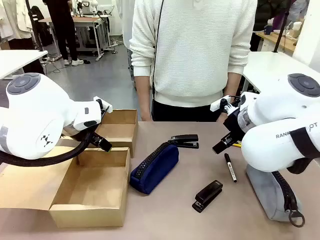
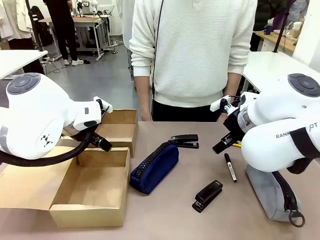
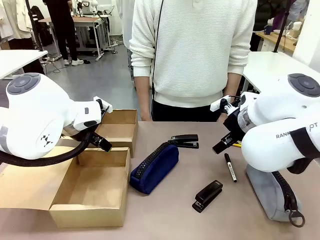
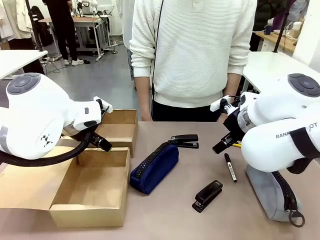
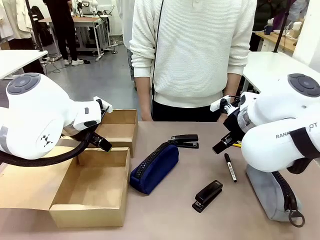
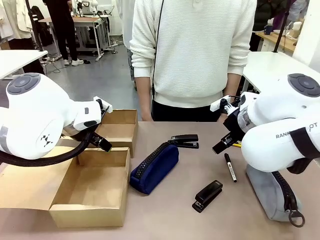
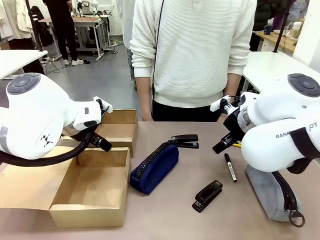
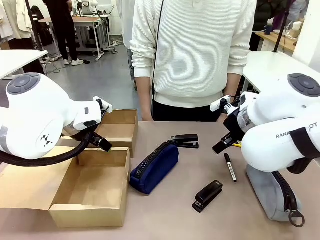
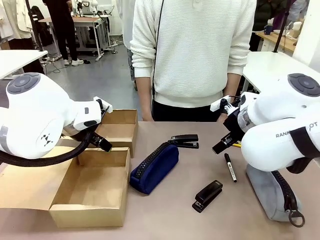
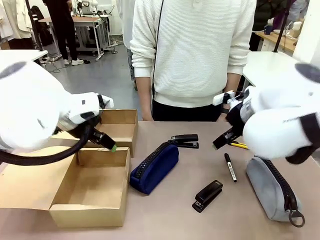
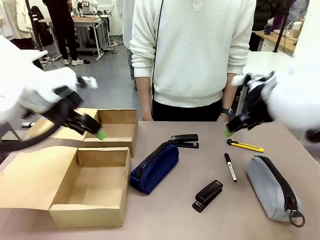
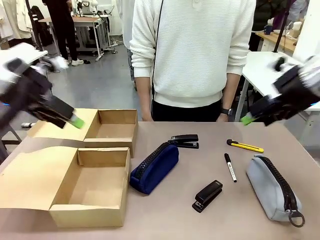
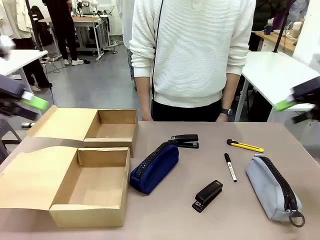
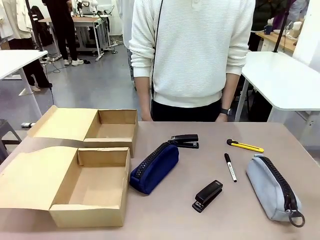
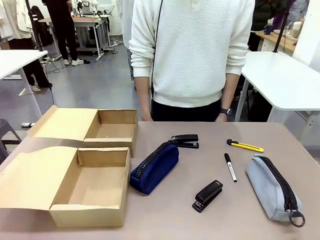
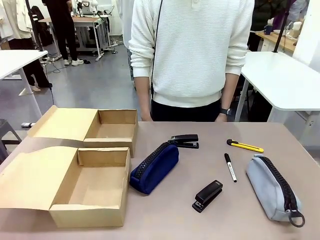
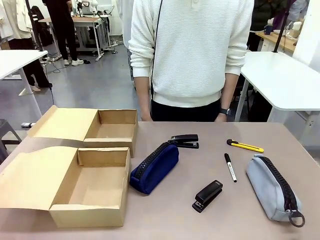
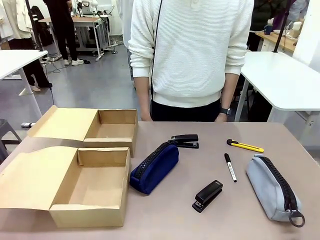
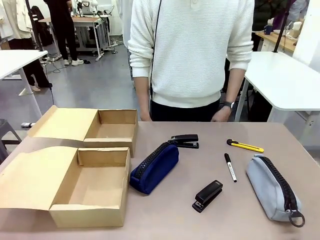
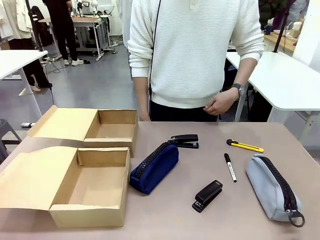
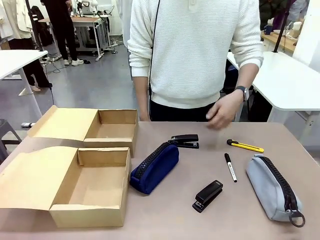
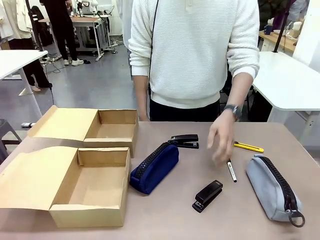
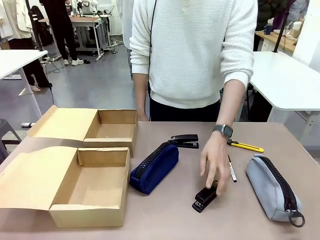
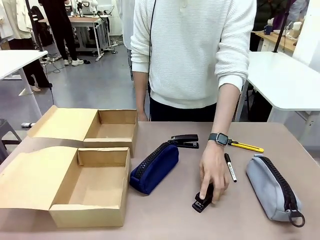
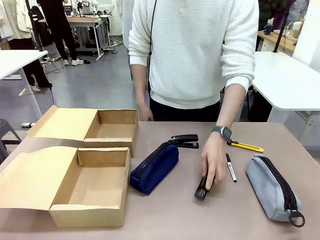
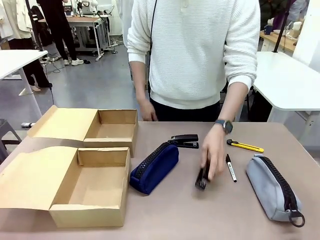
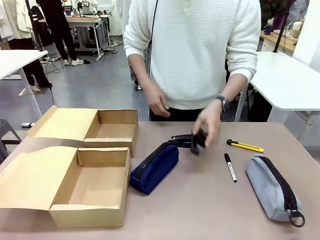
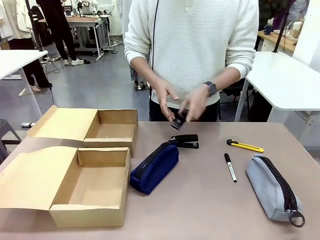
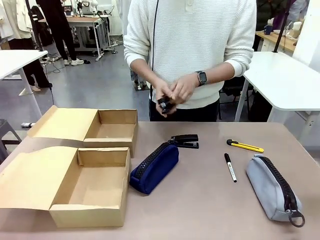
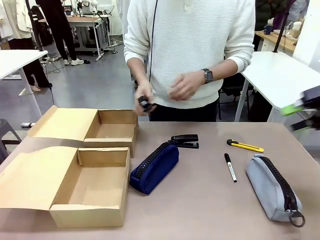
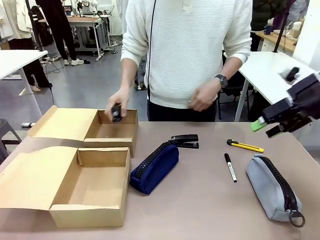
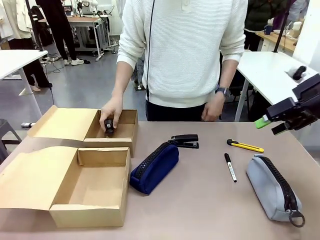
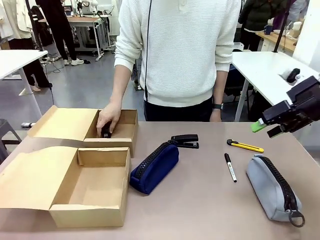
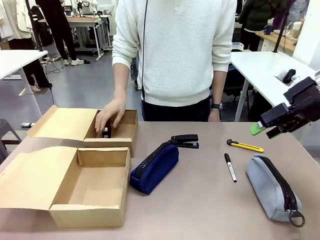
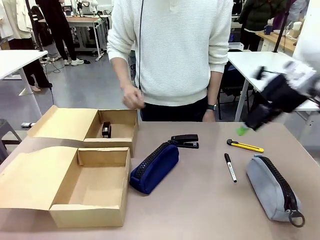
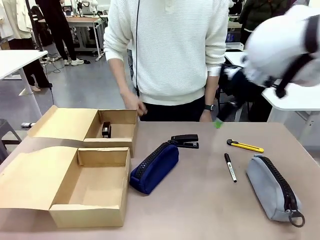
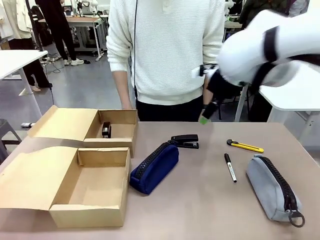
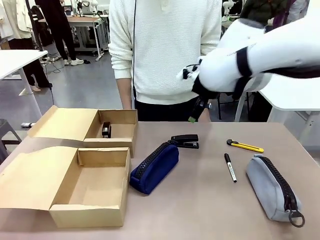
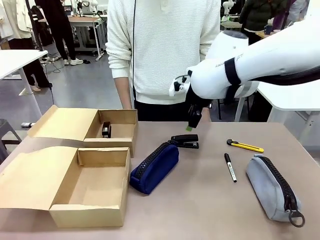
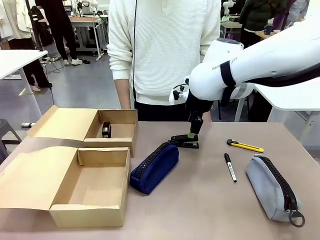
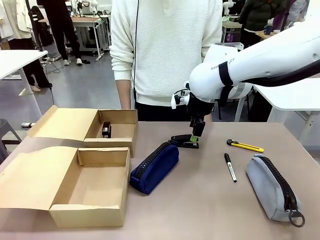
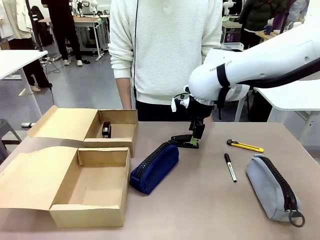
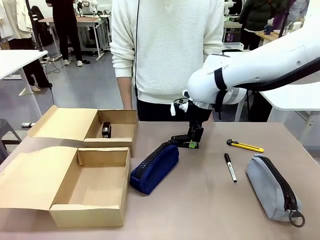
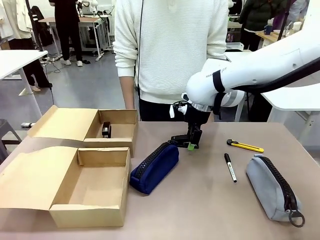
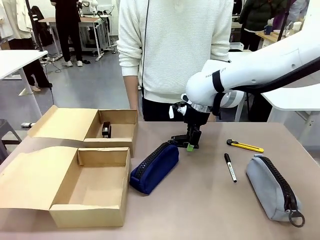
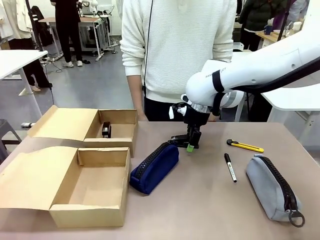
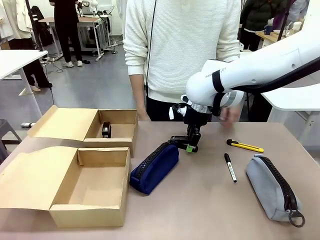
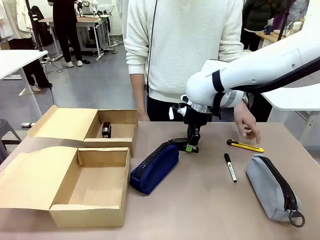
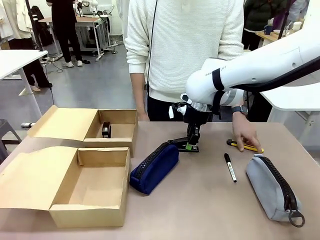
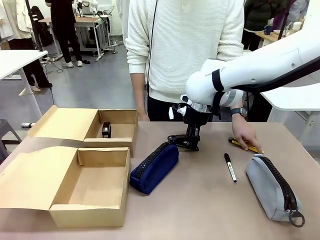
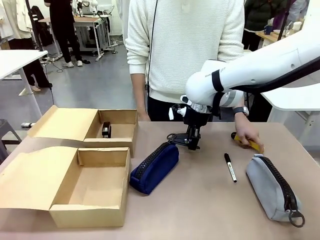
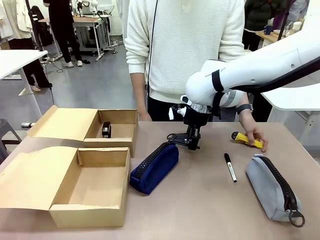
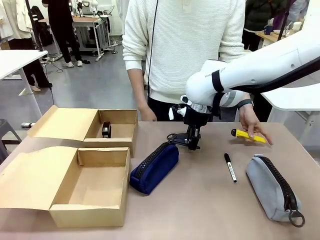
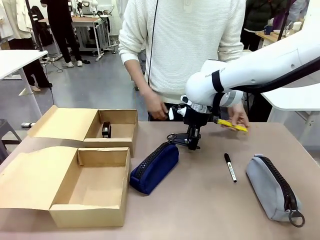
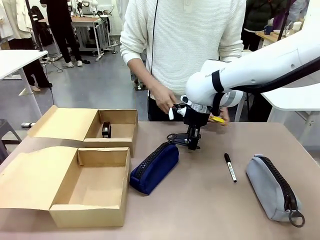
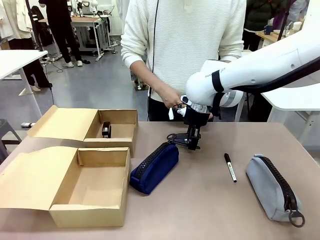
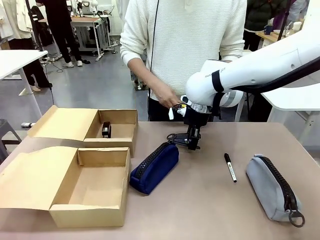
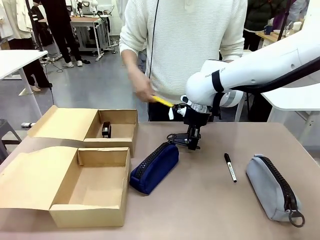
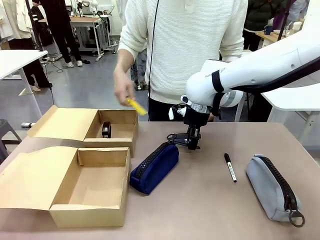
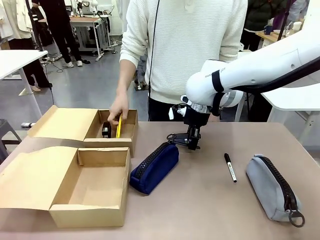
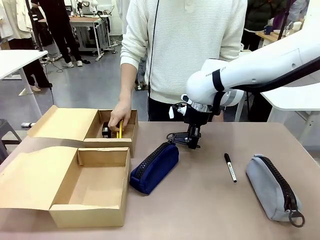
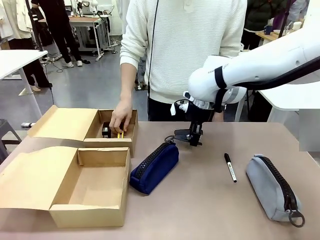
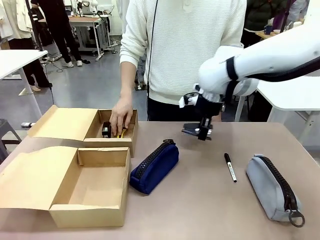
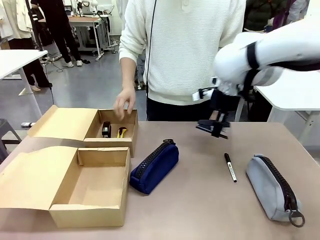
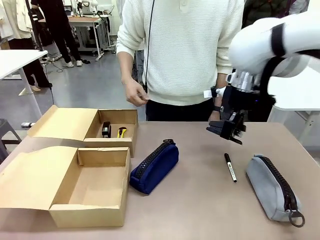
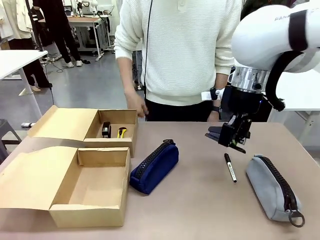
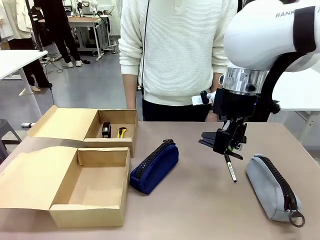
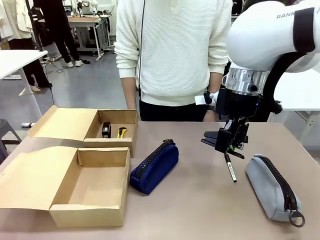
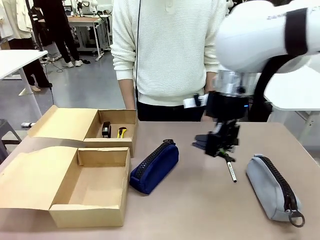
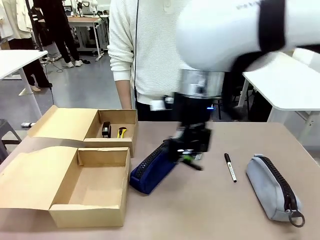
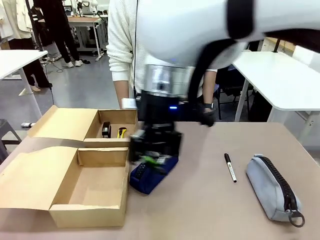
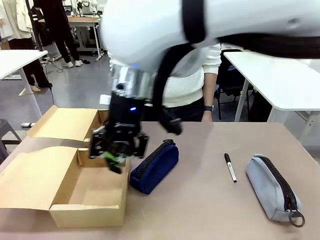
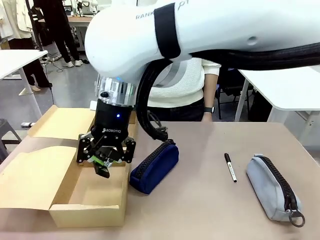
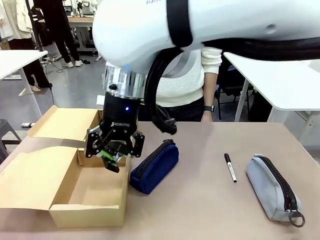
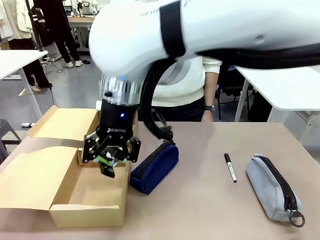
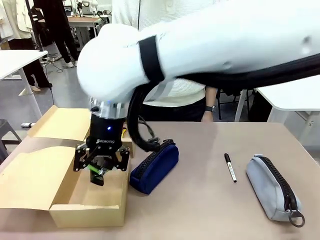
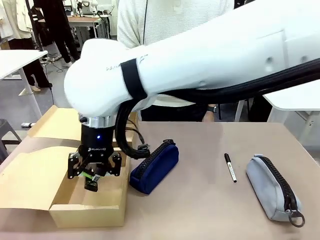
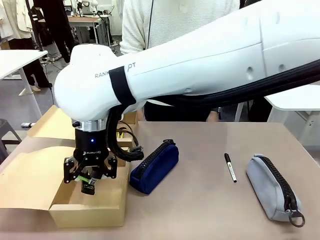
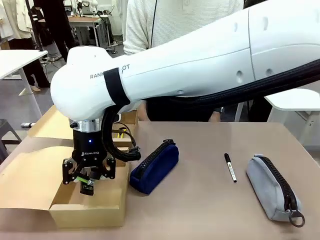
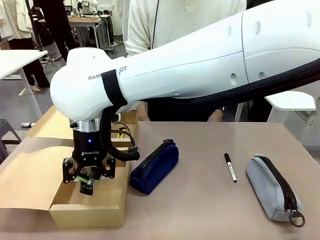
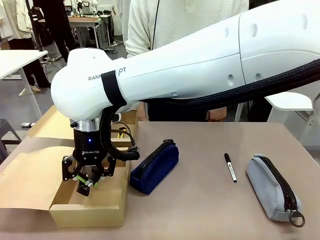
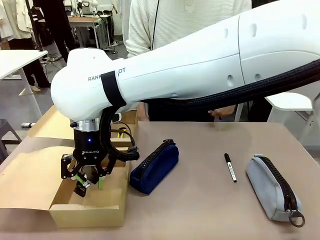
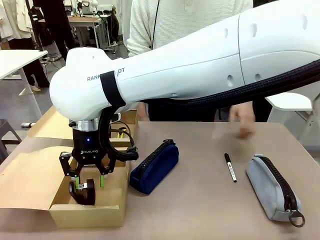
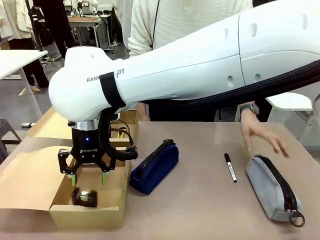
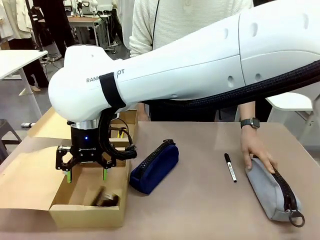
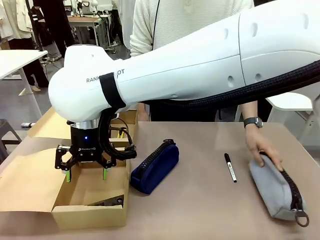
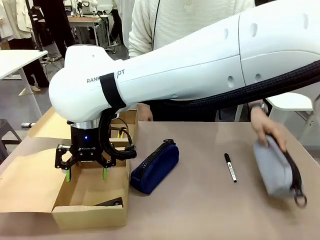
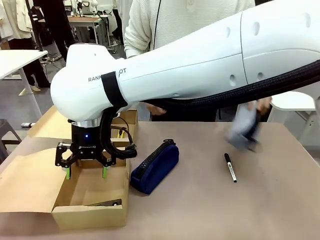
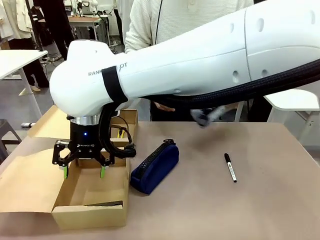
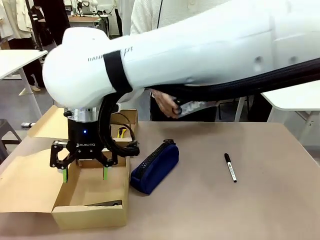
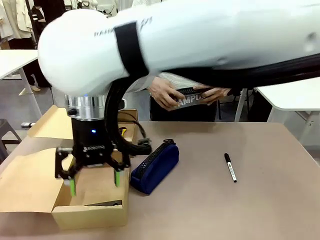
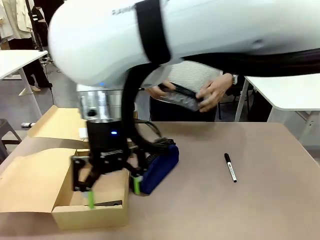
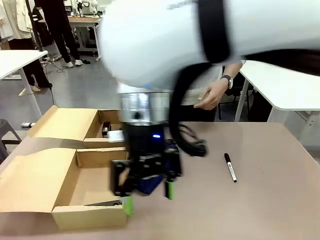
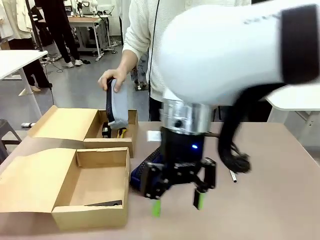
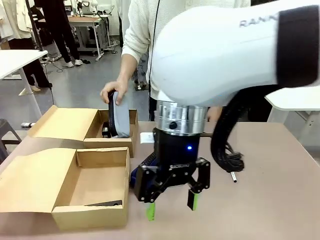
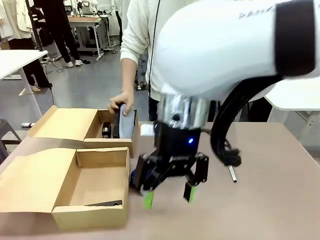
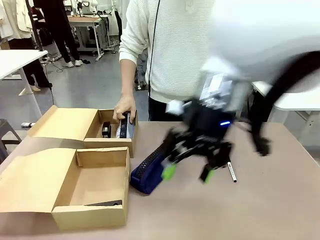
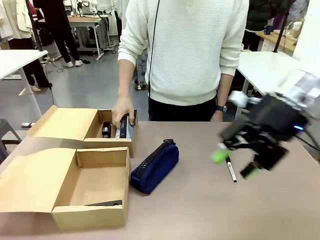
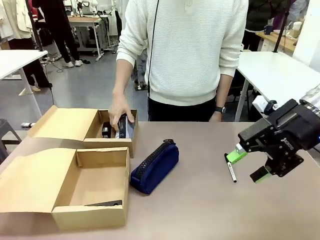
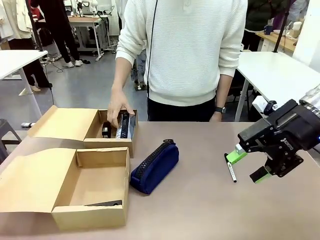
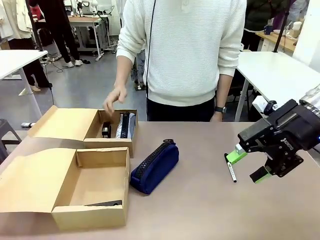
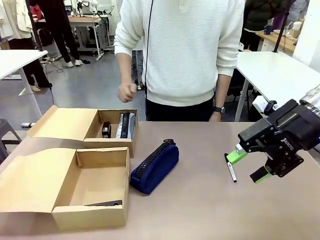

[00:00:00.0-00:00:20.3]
Task: Place items inside the box.
Robot: Pick up a Pencil pouch or Stapler and place it inside the Mailer Box closest to the robot.
Person: Pick up an object on the table and put it in the box.
